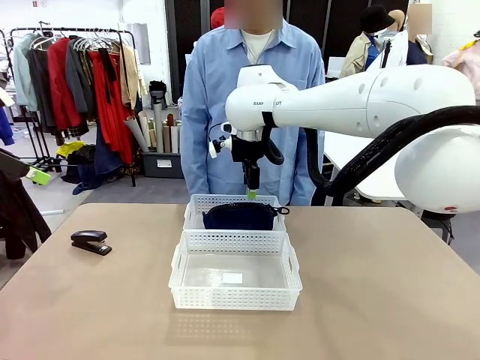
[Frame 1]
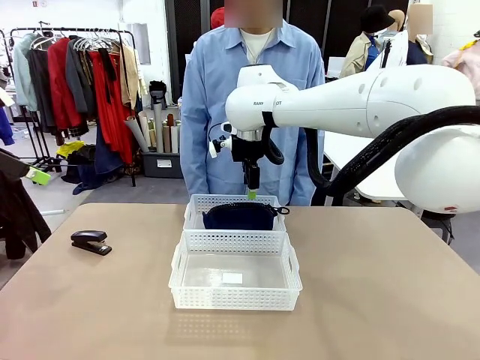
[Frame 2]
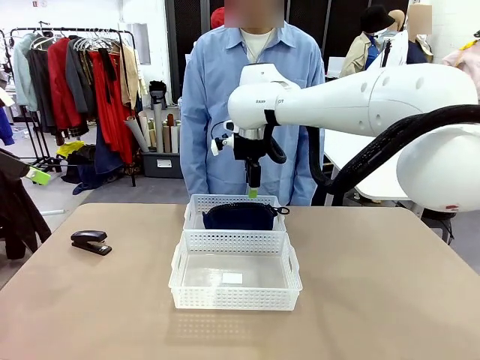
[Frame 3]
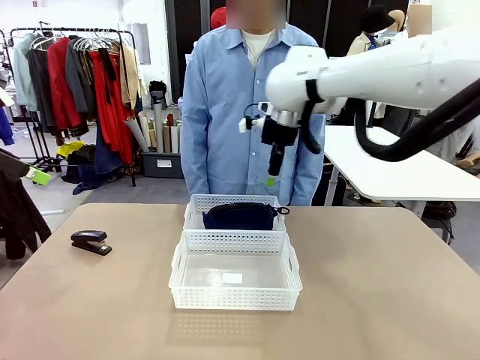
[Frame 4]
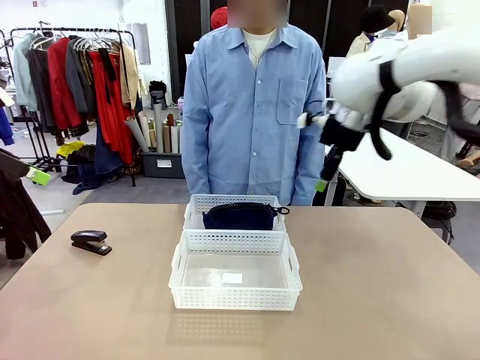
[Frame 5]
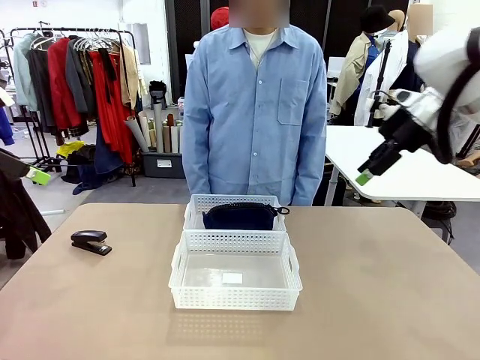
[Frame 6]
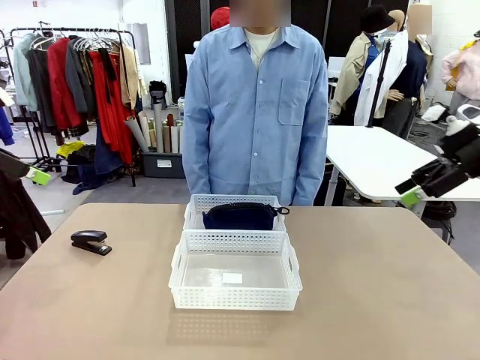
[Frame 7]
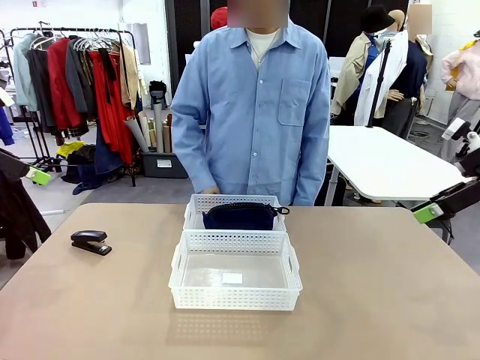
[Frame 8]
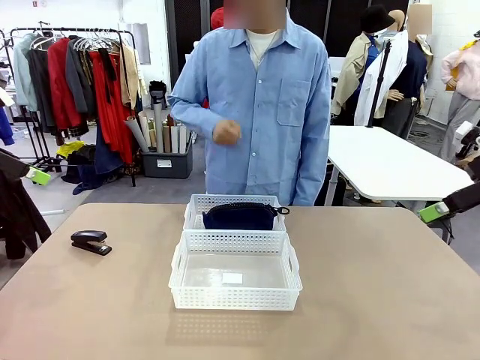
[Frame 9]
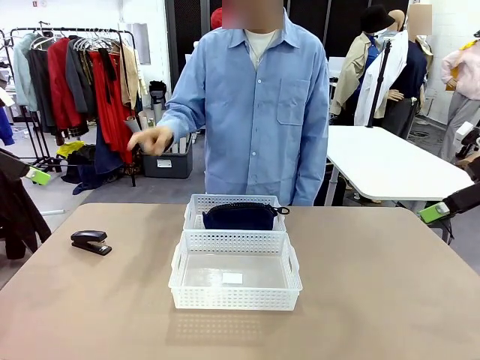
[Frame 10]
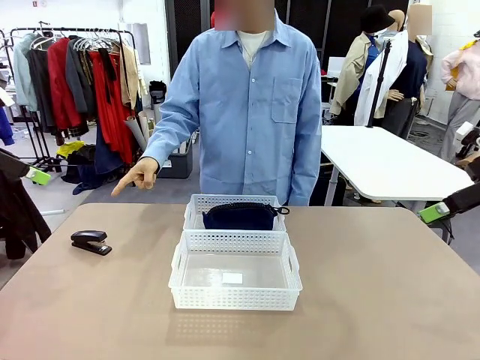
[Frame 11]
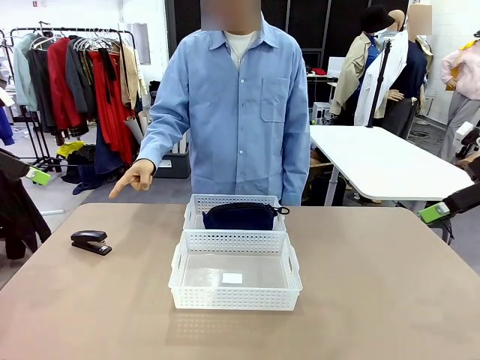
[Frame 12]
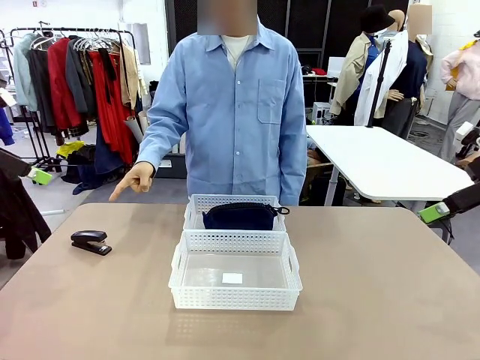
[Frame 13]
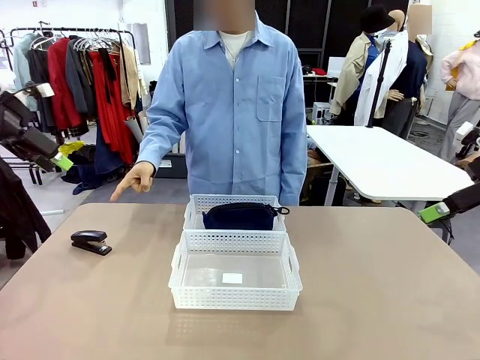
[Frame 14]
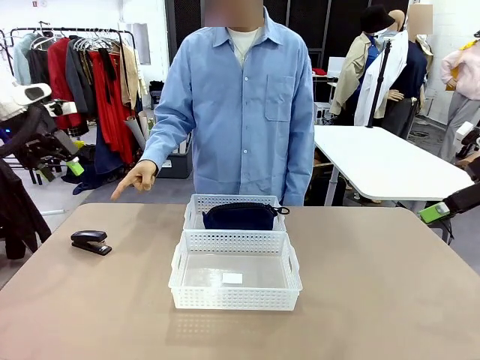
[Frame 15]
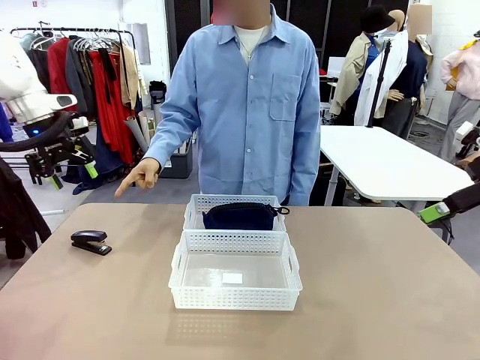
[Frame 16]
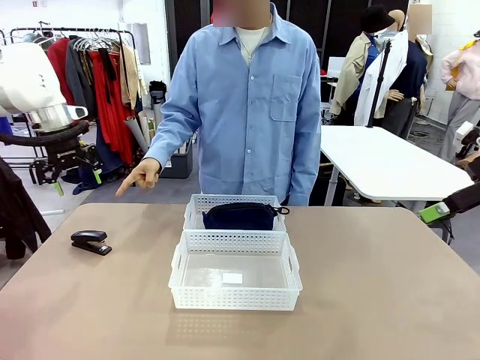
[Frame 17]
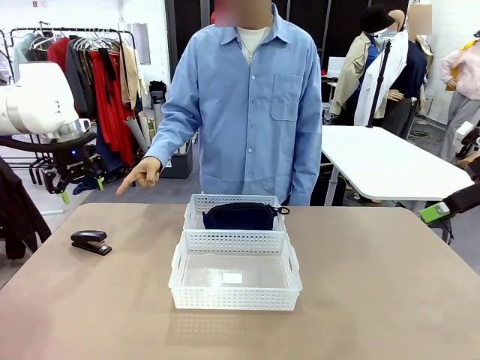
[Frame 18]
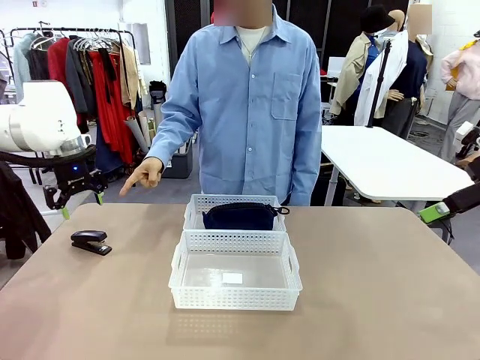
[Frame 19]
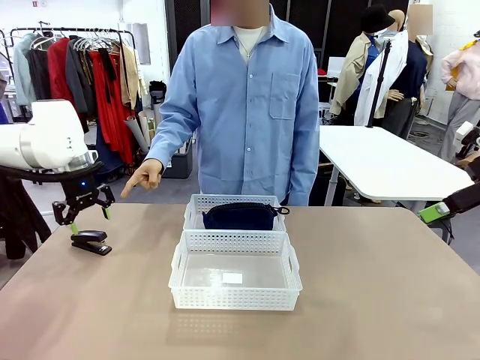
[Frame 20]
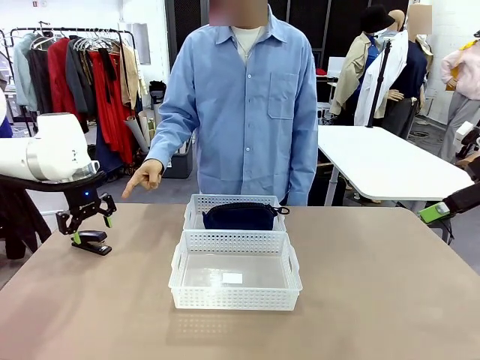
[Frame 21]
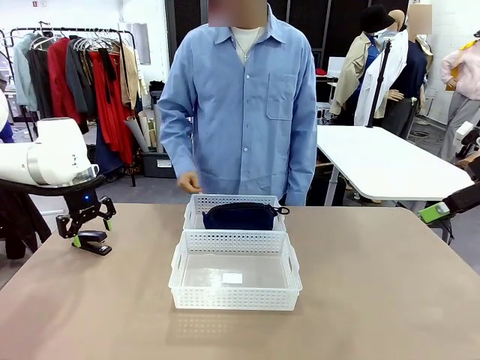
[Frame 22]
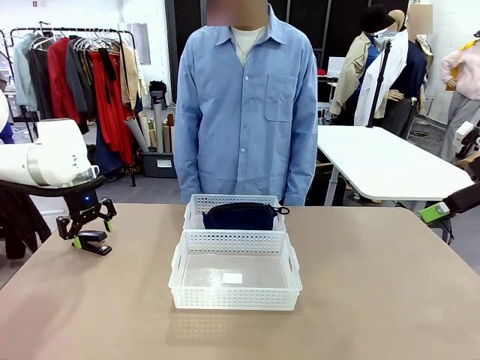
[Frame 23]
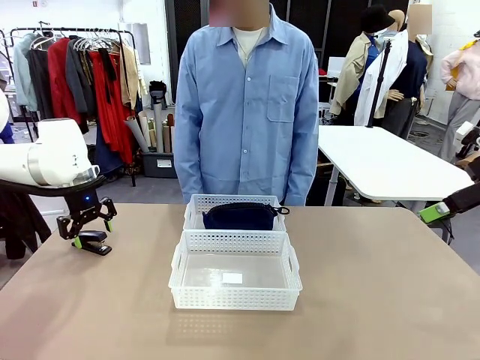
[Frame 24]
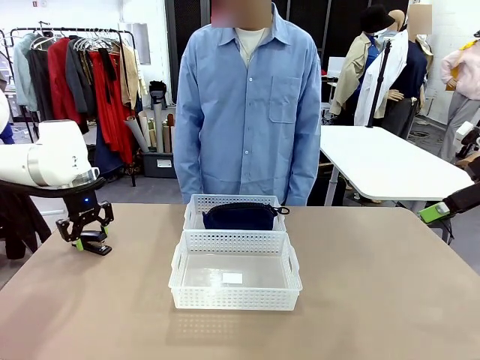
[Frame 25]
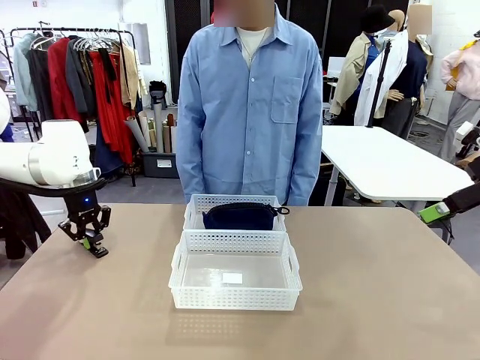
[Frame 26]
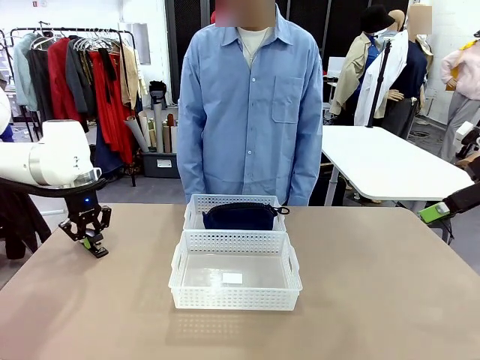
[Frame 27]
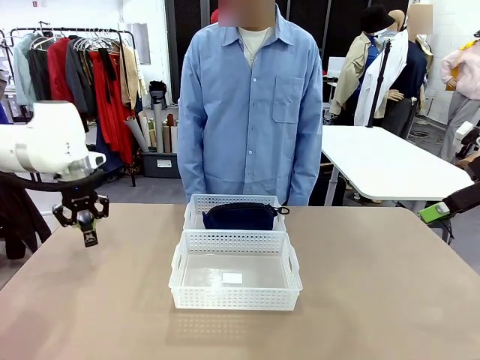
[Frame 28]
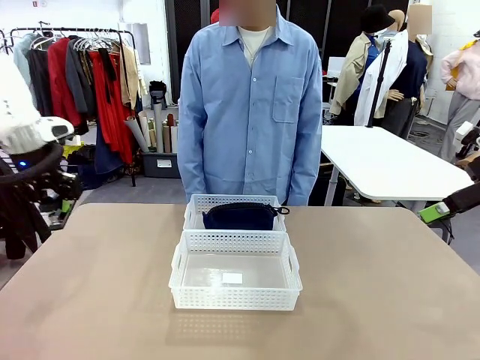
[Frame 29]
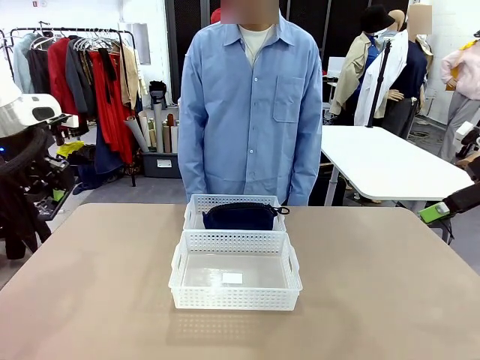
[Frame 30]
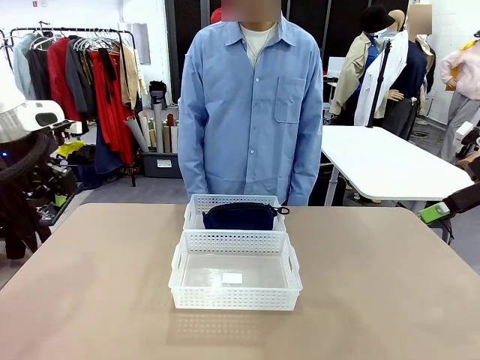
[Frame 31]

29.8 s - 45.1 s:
Task: Distribute items into two baskets.
Robot: Pick up the Stapler that the person points to.

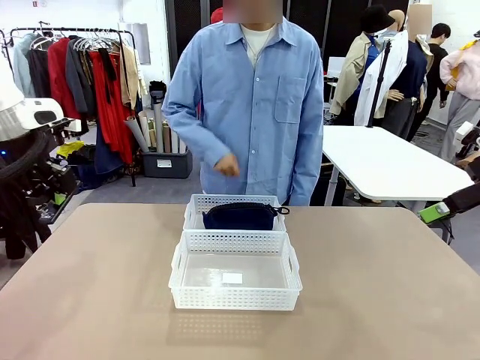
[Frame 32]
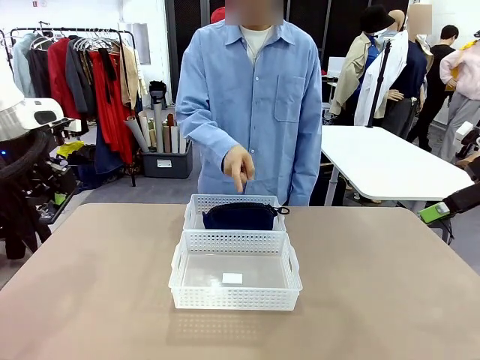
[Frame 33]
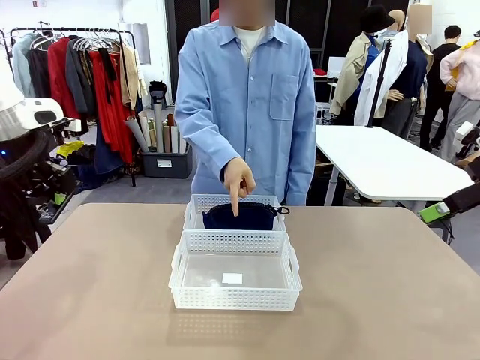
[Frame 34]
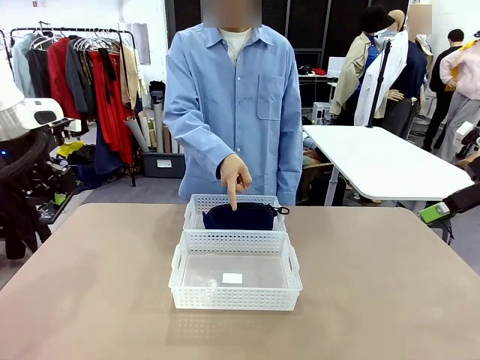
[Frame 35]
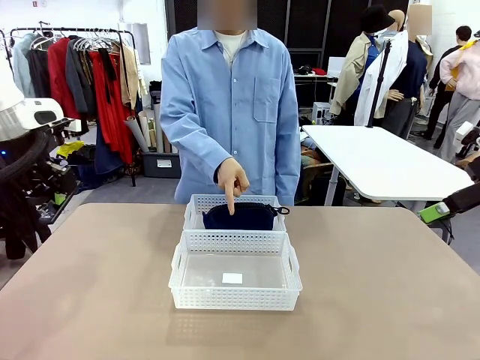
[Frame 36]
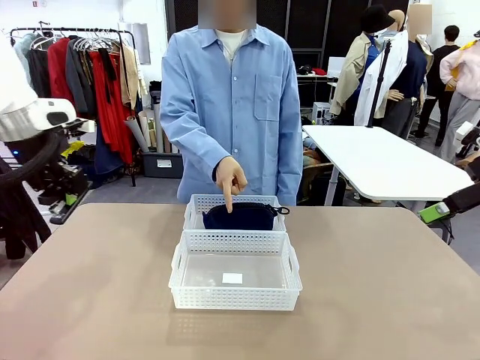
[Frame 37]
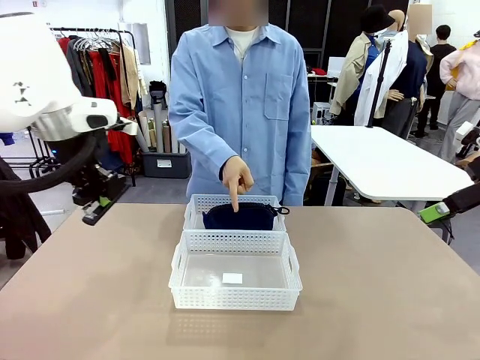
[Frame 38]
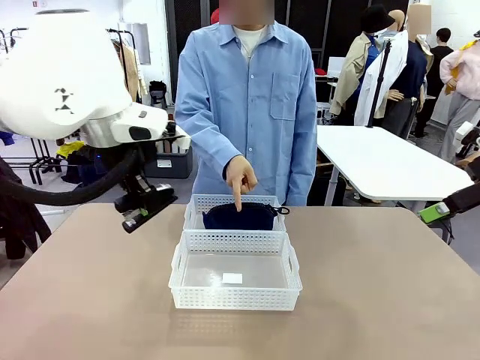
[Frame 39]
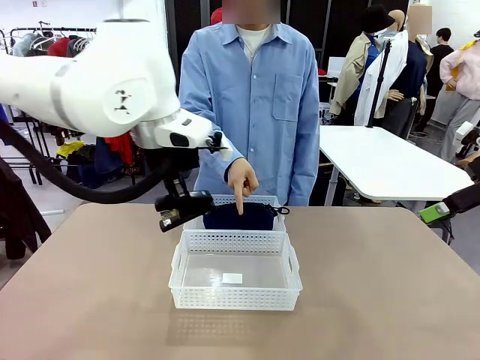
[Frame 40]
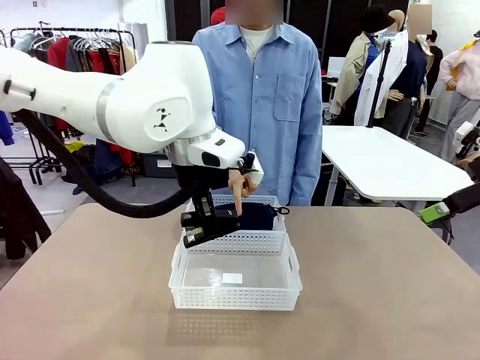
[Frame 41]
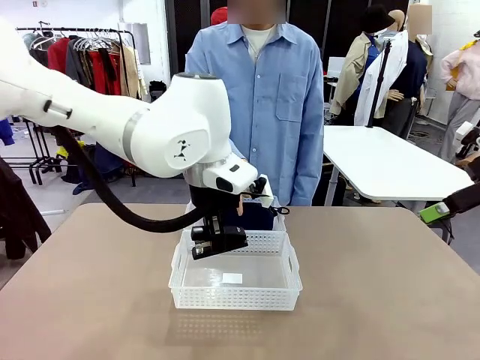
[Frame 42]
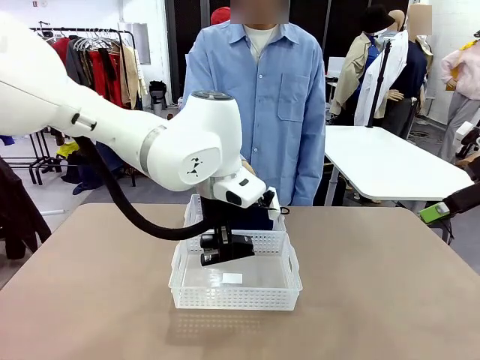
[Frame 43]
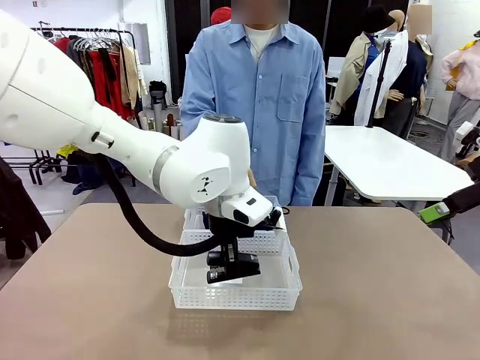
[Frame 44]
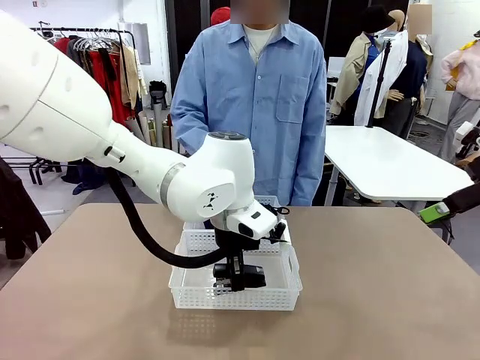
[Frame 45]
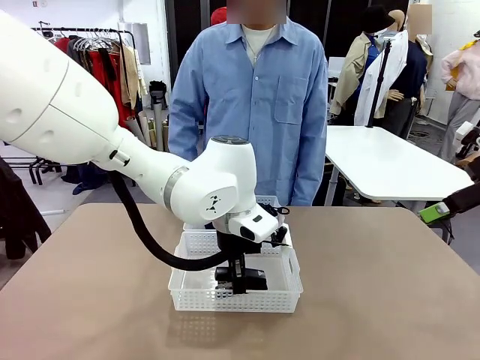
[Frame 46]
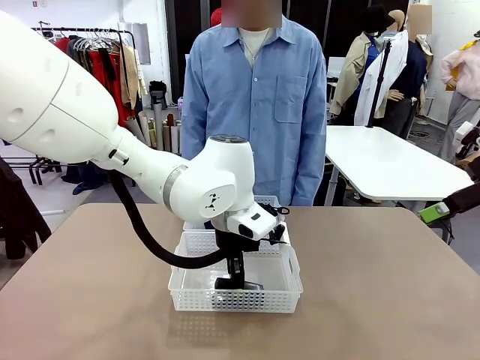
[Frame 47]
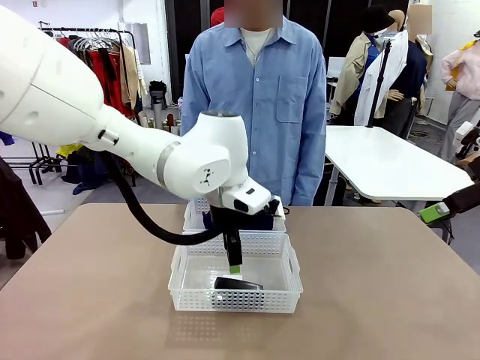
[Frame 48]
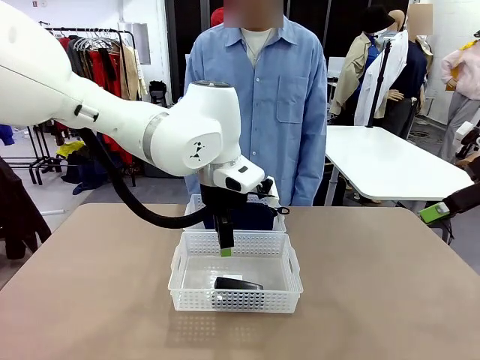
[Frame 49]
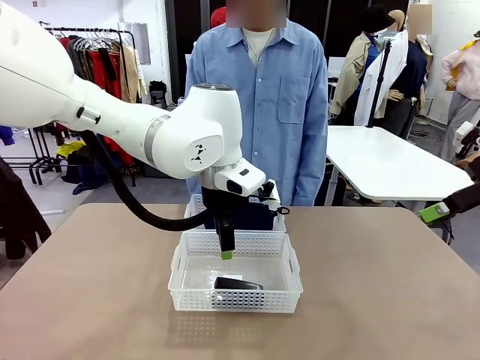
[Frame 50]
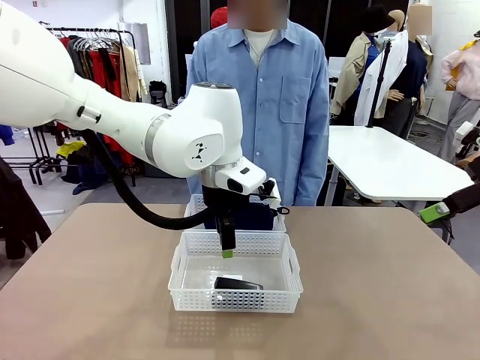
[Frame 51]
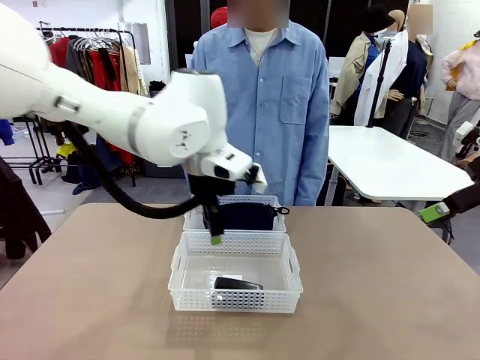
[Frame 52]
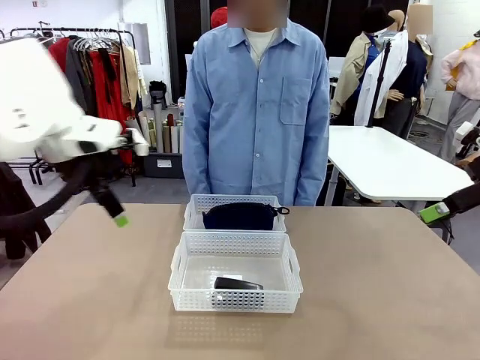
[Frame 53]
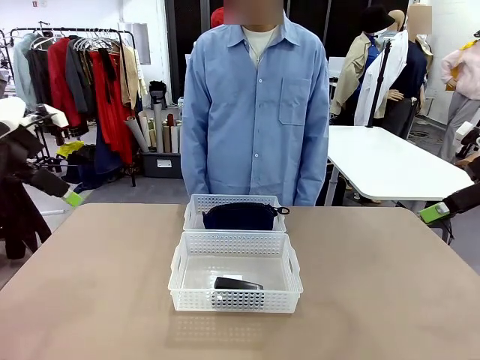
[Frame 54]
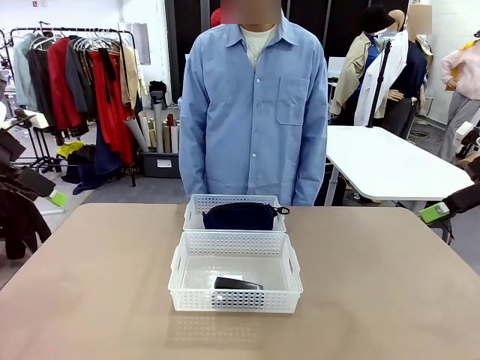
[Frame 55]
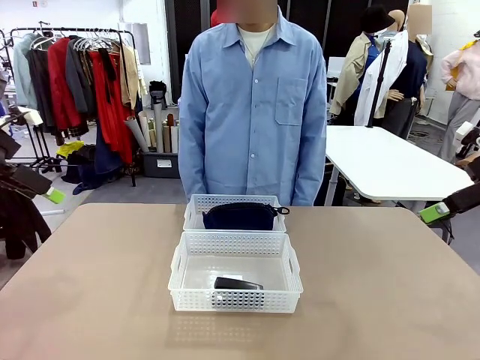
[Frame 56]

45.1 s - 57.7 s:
Robot: Place the picked Stapler into the Organizing basket as instructed by the person.
Person: Points to the basket that does not contain the pencil case and instructs the robot to move the stapler there.
